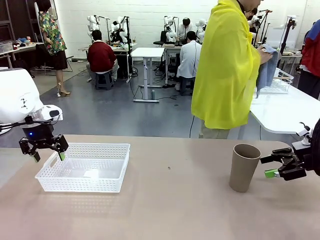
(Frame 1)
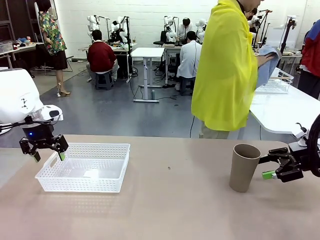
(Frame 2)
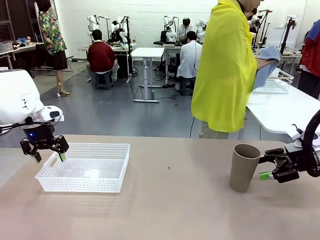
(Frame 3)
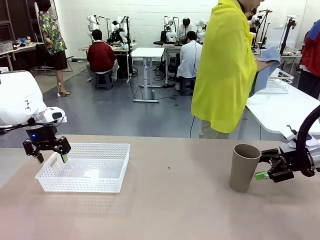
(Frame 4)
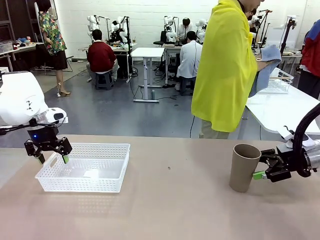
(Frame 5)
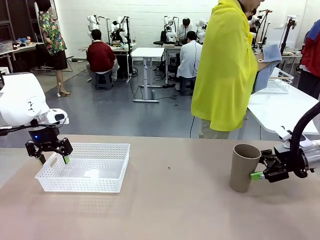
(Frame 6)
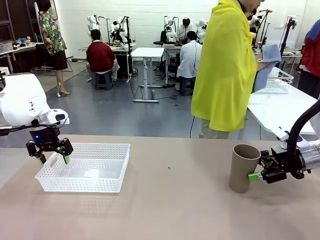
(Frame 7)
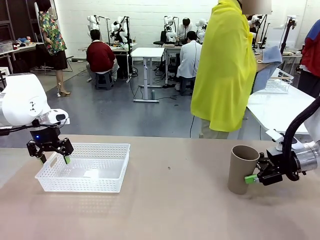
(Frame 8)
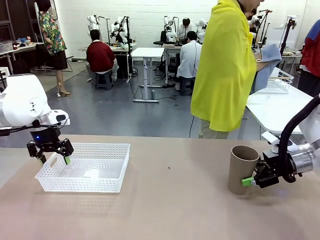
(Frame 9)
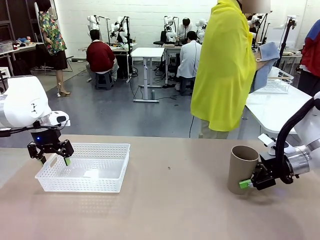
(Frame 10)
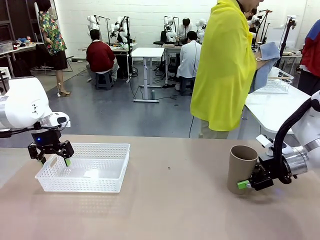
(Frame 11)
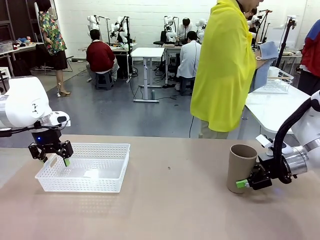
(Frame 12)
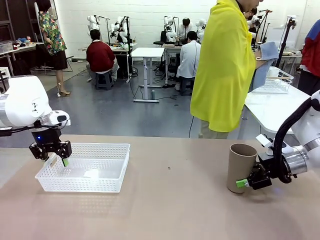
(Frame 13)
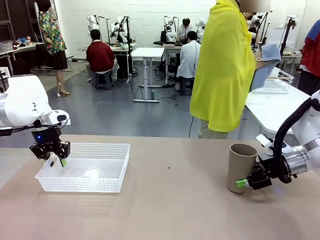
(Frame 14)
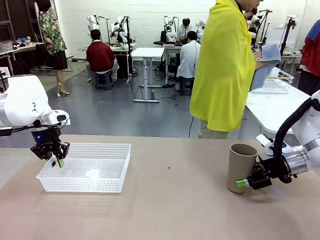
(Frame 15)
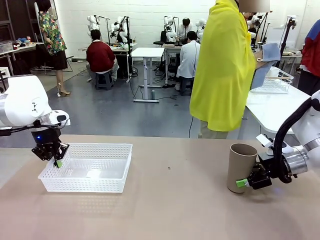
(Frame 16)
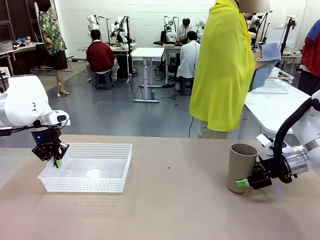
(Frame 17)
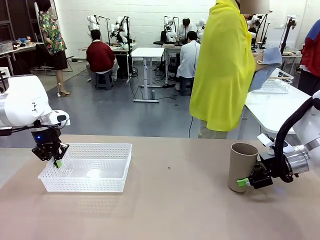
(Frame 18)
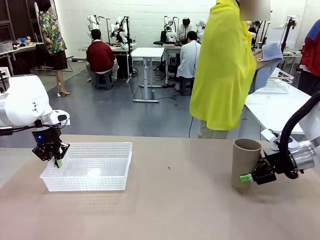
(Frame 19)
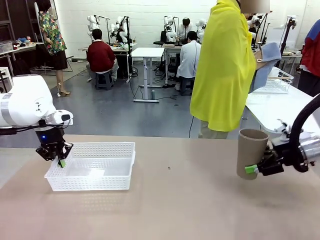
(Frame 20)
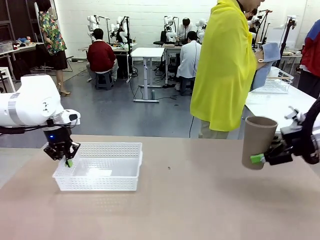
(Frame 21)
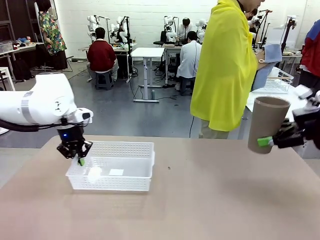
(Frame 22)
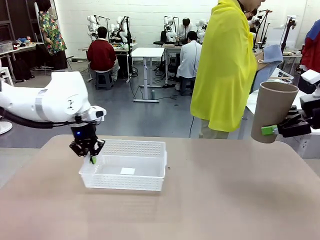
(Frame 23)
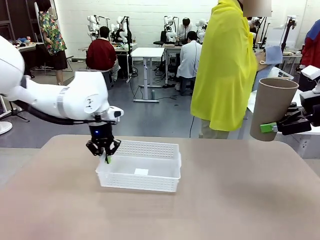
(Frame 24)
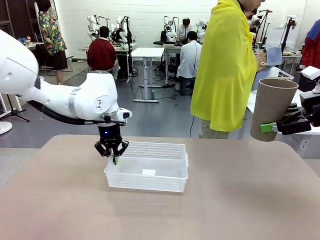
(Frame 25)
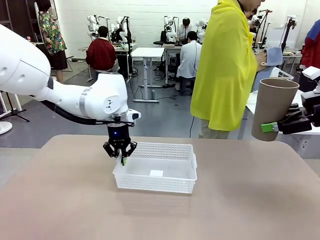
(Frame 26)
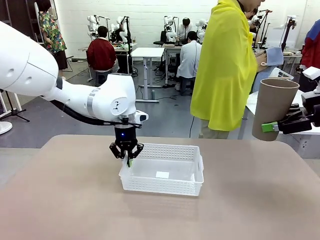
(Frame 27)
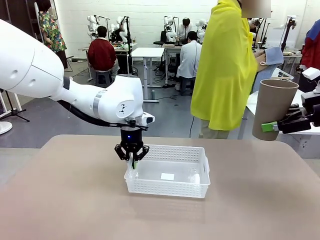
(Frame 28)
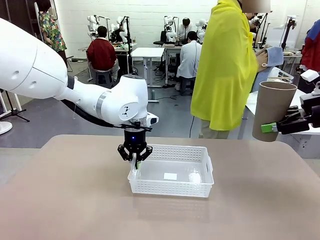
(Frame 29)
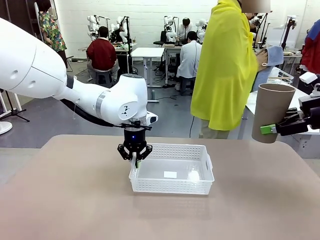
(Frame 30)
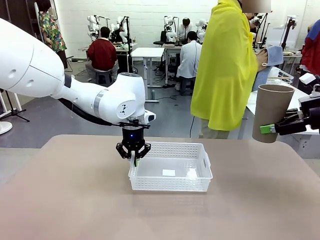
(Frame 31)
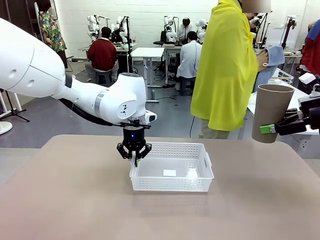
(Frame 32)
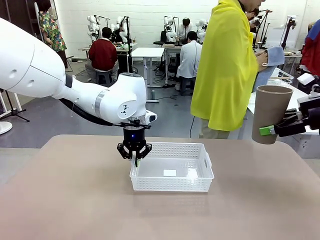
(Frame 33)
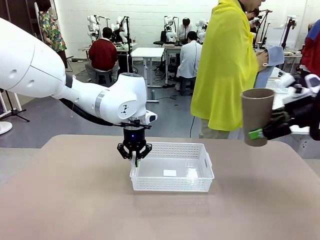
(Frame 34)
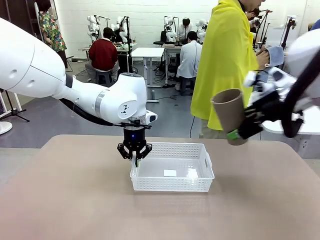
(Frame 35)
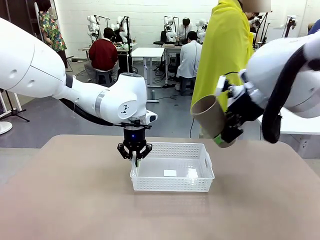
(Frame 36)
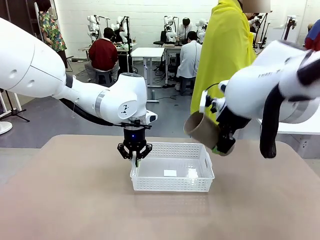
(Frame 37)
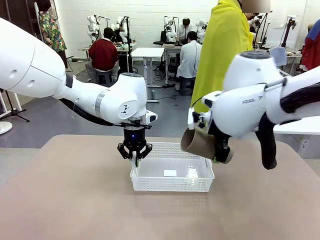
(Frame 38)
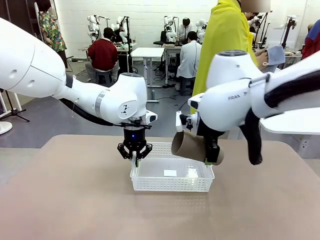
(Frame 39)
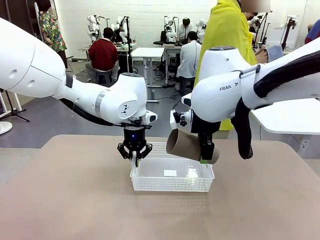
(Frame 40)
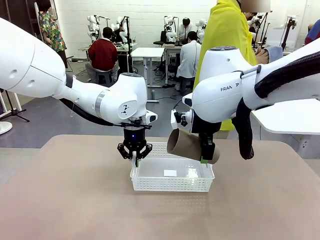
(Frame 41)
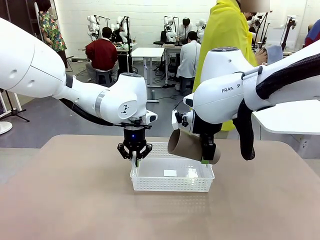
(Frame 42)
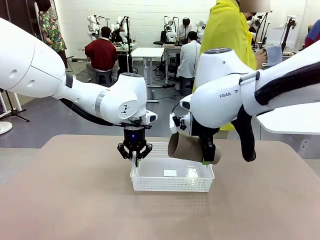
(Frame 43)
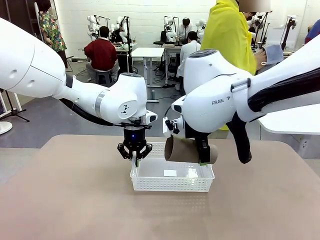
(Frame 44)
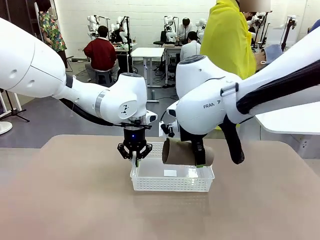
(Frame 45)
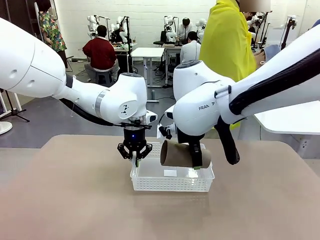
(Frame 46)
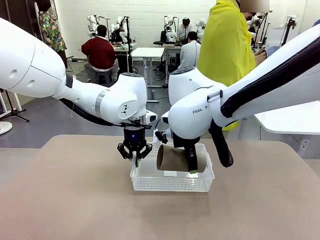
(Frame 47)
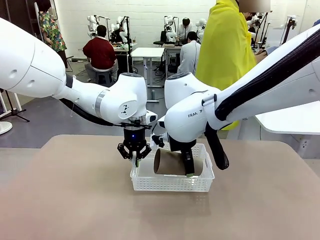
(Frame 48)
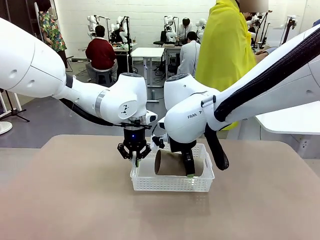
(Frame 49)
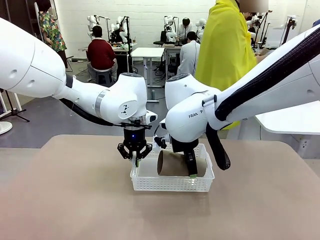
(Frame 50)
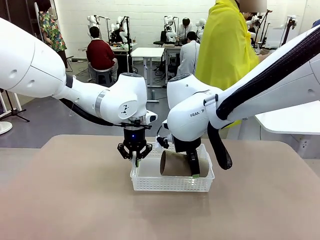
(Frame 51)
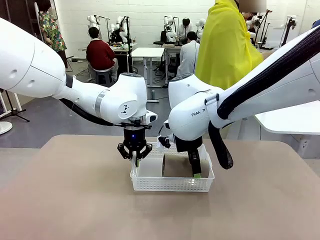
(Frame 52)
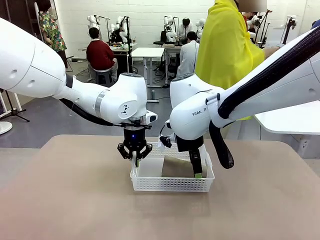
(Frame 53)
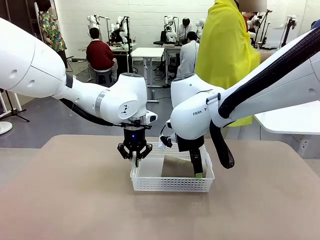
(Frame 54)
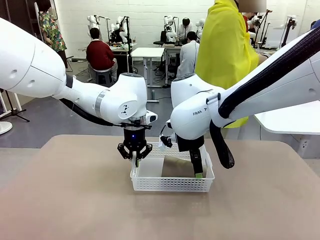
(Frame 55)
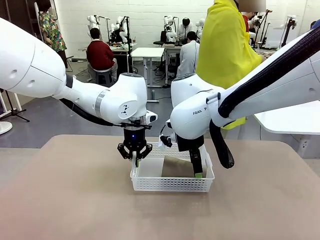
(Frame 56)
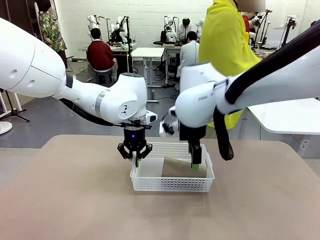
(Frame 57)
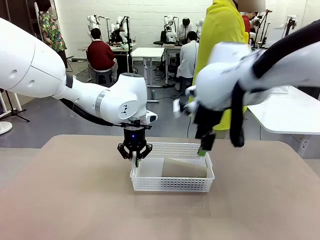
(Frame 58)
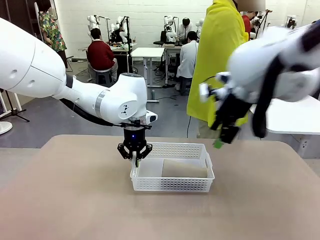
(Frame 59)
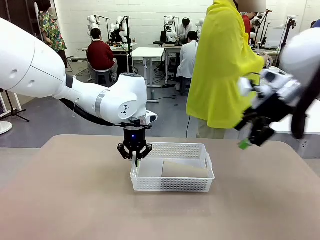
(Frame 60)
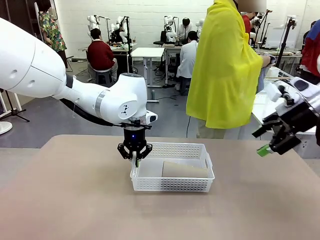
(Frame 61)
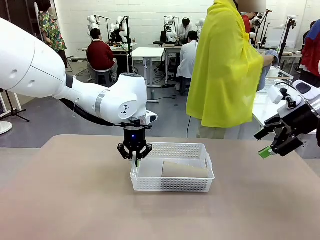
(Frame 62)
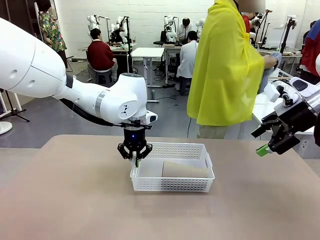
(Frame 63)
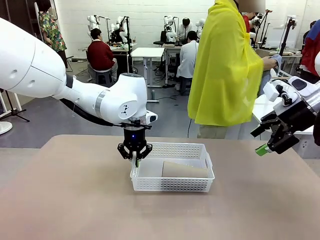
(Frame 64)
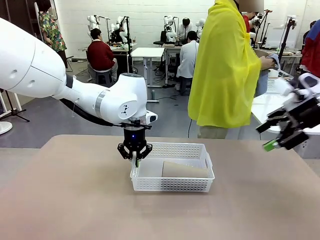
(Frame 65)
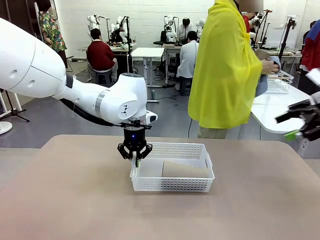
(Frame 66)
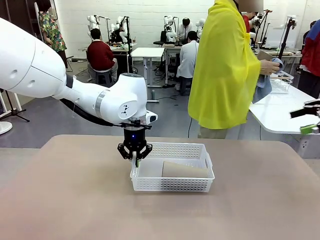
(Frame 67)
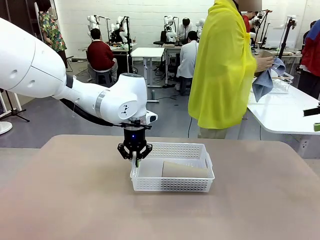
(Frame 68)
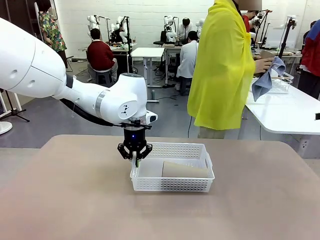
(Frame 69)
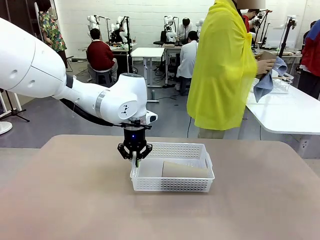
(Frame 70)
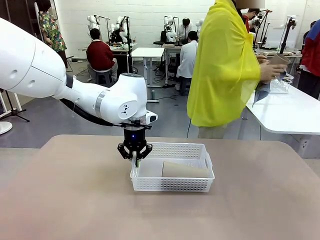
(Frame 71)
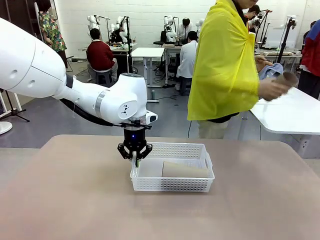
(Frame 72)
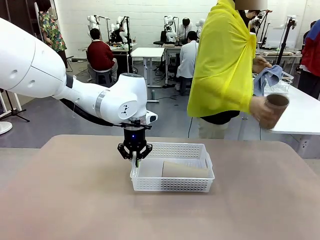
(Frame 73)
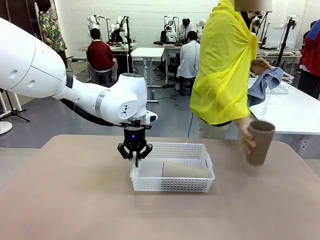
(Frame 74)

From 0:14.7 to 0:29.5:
Task: Clean and organize the cups into the basket.
Robot: Pick up the Organizing basket and move it to the center of the table, then pick up the Reusable plastic cup from the right side of the table and place it inside the Organizing basket.
